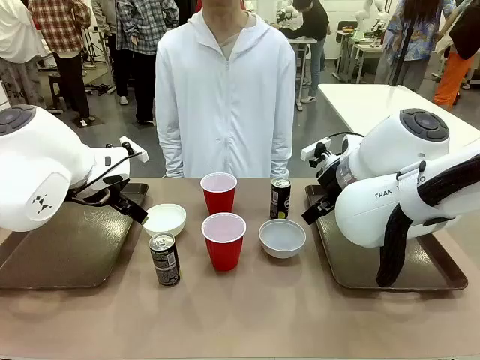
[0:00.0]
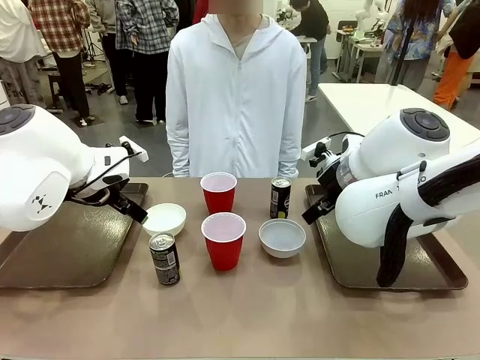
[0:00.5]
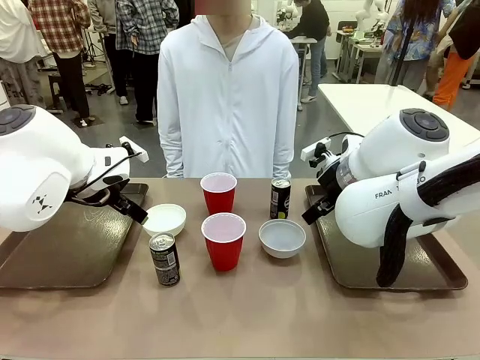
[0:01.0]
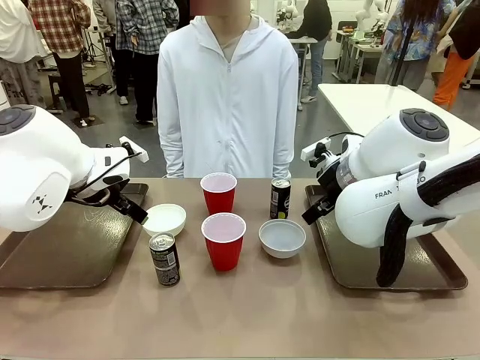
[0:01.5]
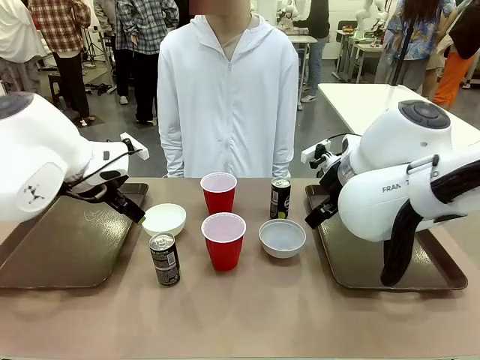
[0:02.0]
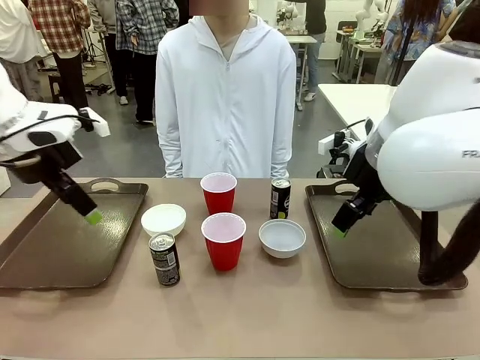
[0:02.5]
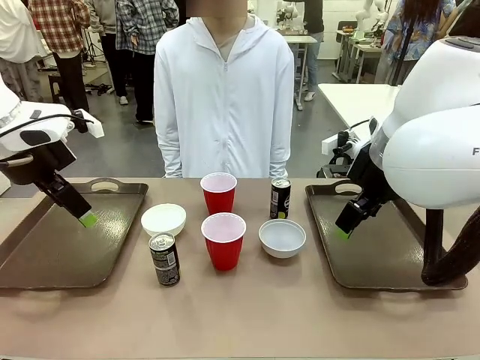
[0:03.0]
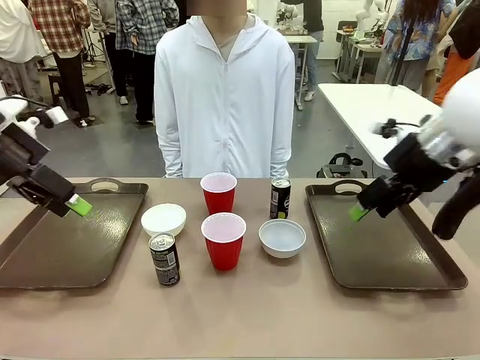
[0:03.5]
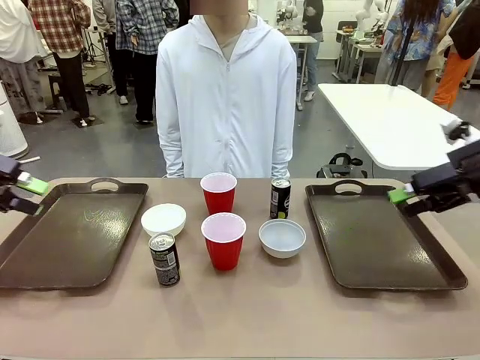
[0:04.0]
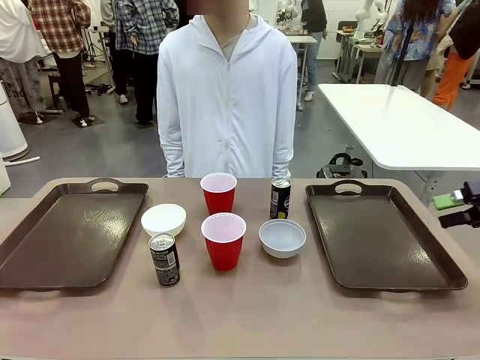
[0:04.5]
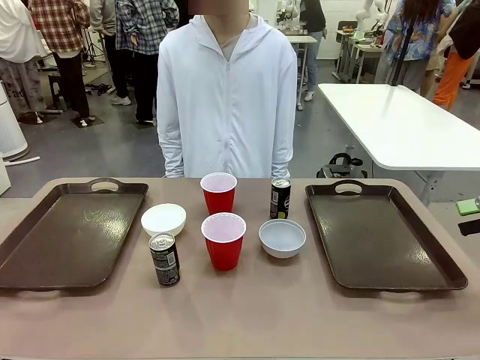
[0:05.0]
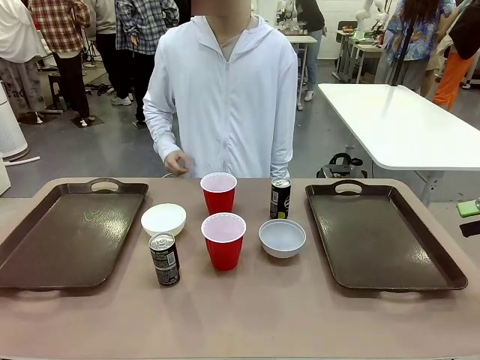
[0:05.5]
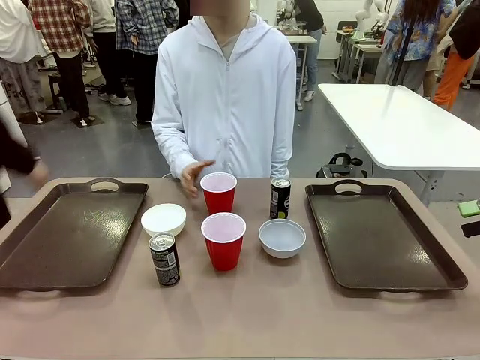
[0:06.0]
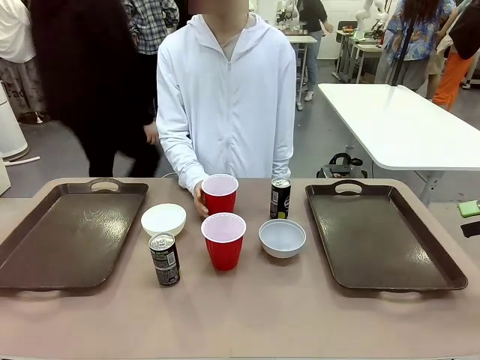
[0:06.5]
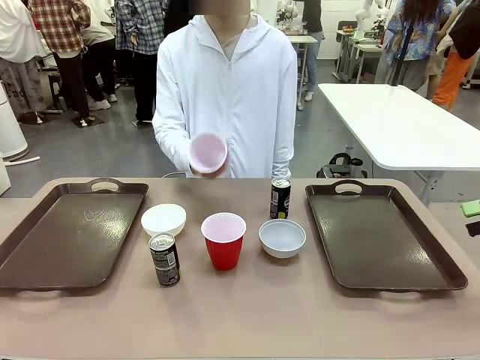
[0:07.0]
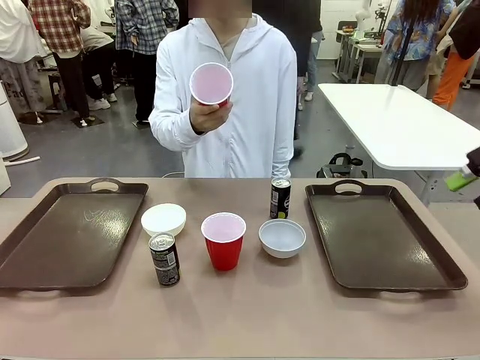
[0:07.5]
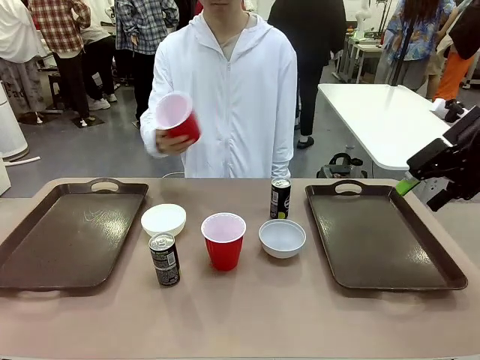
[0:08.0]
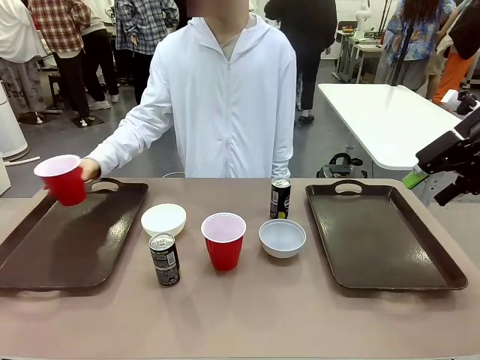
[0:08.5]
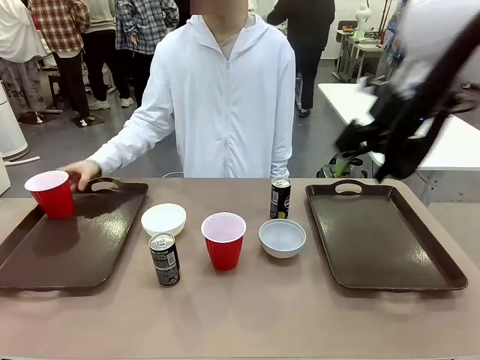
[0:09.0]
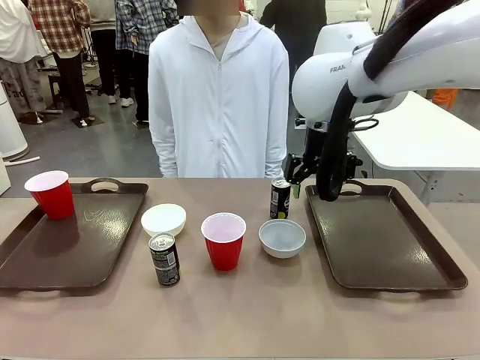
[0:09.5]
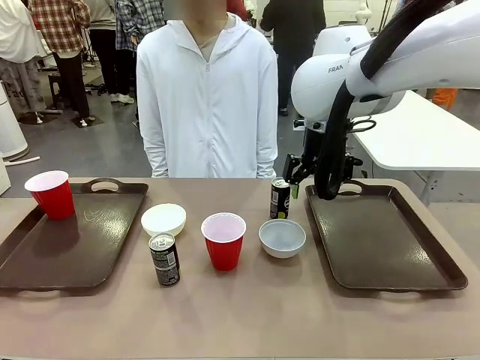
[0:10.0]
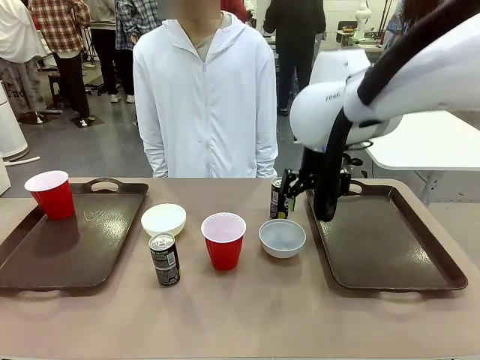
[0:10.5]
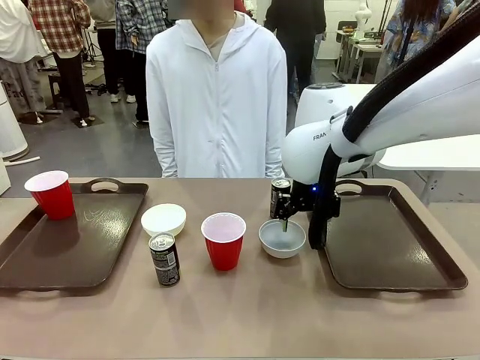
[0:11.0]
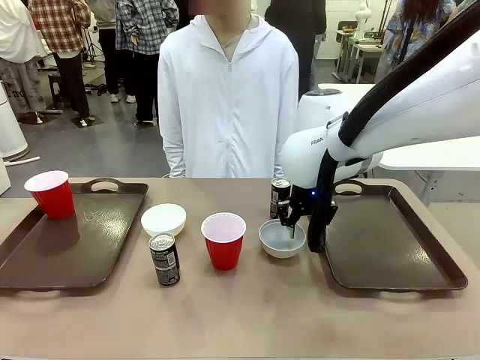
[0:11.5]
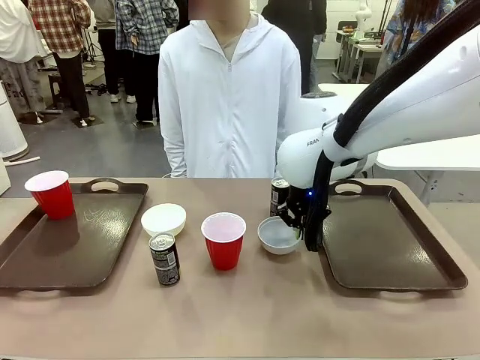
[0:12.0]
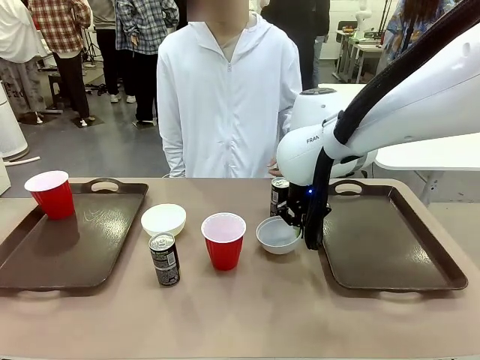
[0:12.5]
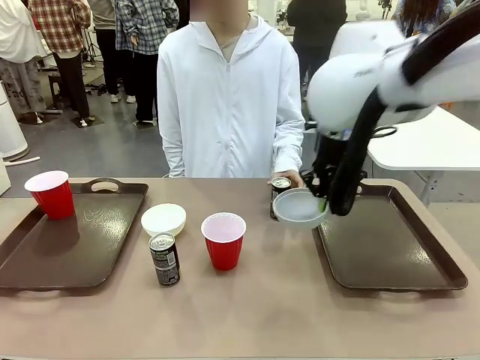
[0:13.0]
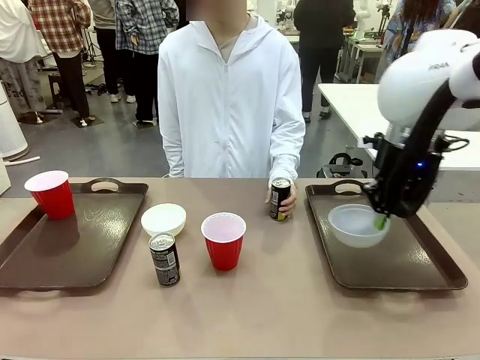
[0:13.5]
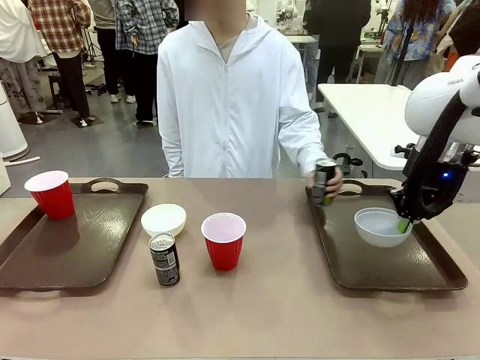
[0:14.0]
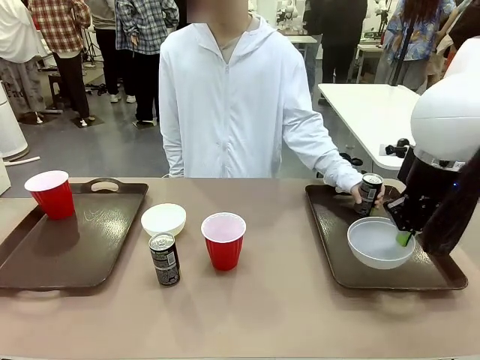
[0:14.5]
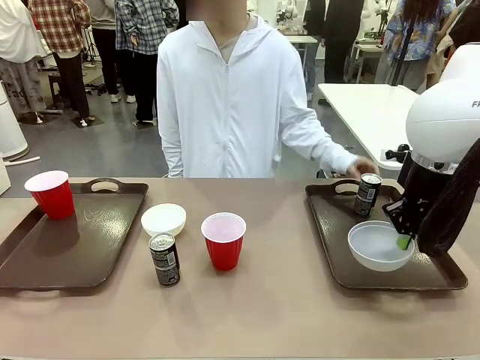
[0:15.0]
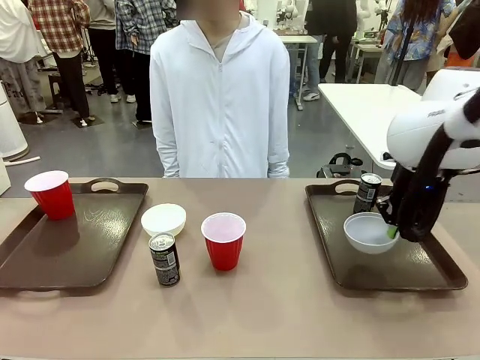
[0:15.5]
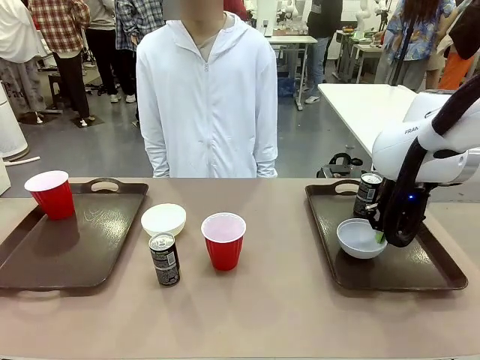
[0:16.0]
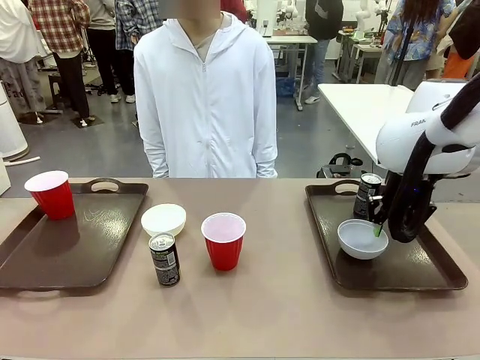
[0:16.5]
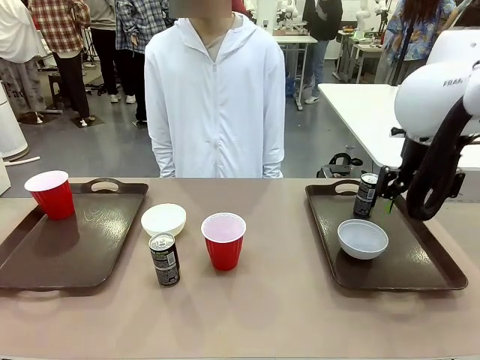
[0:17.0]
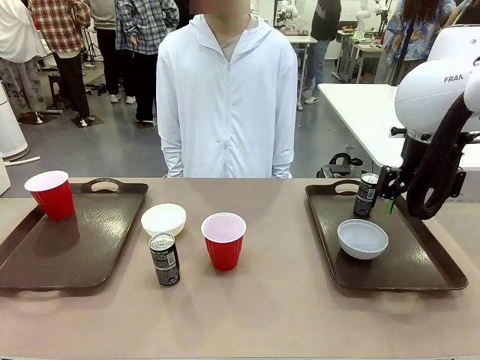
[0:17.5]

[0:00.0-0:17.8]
Task: Prepare tableware on both trays.
Robot: Pick up a Picnic Bowl from the table and place it on a Handle tray.
Person: Pick up a can or cup and place it on the tray.

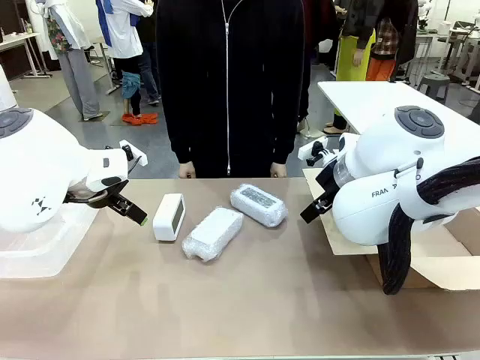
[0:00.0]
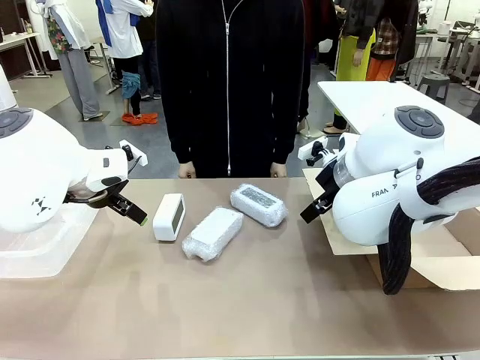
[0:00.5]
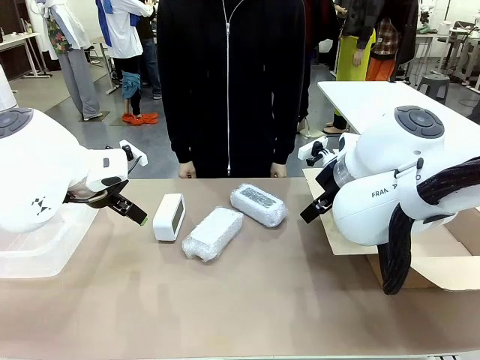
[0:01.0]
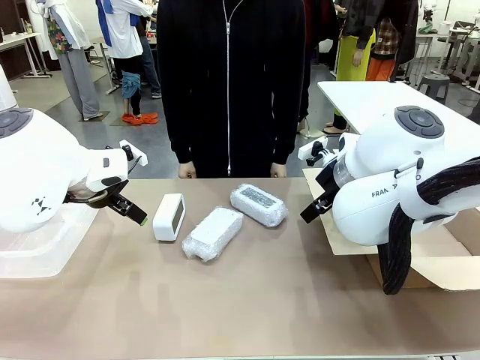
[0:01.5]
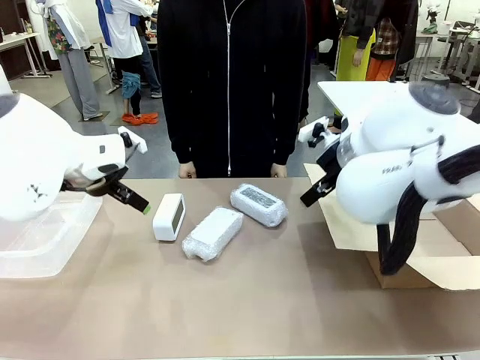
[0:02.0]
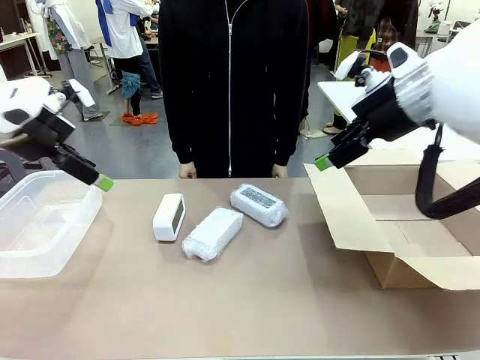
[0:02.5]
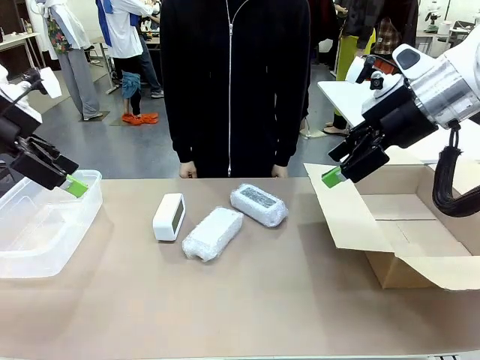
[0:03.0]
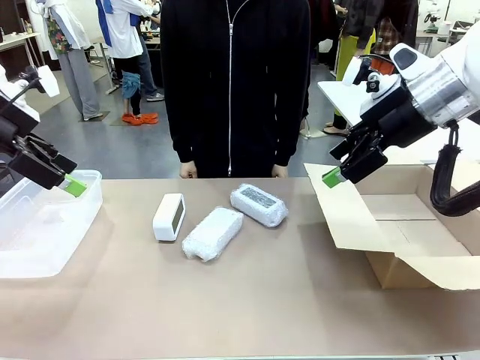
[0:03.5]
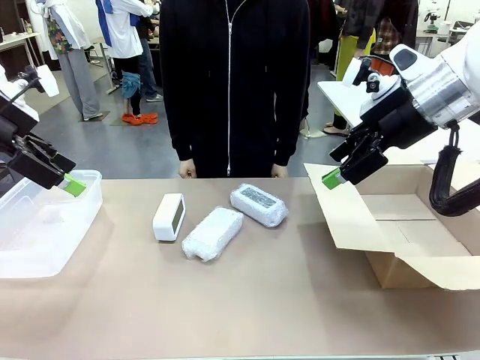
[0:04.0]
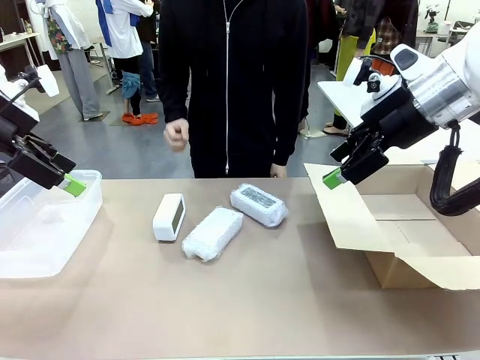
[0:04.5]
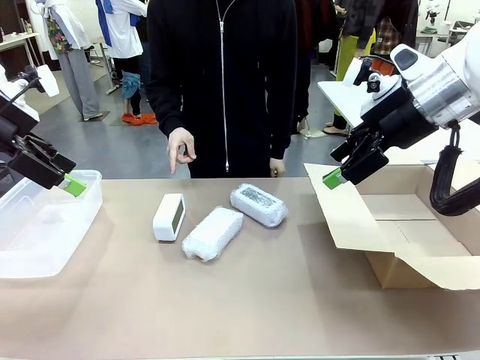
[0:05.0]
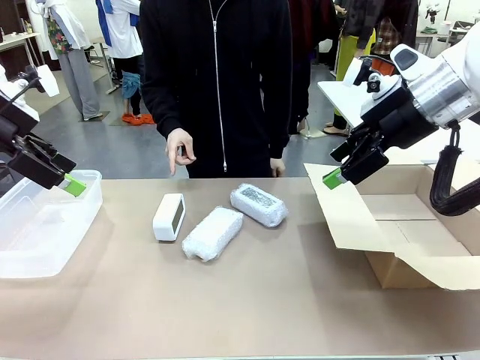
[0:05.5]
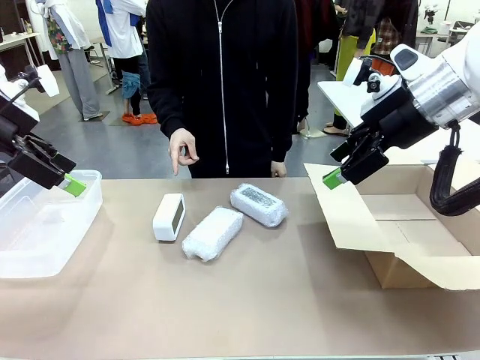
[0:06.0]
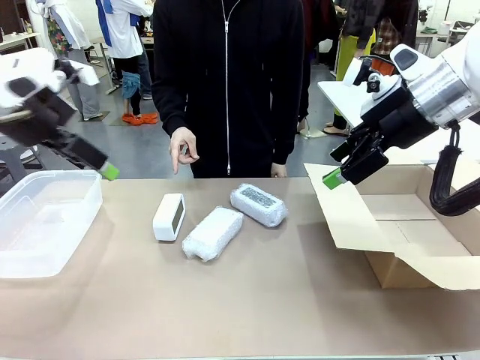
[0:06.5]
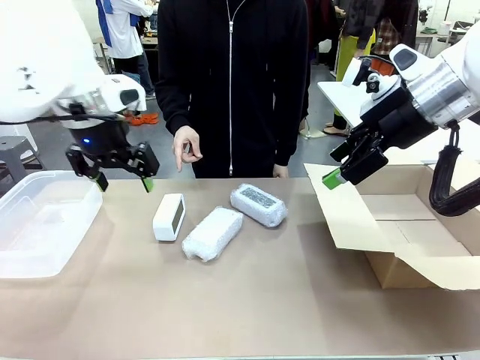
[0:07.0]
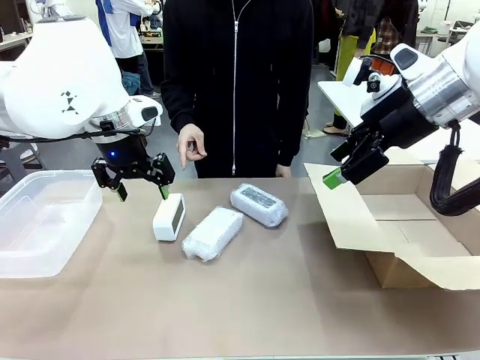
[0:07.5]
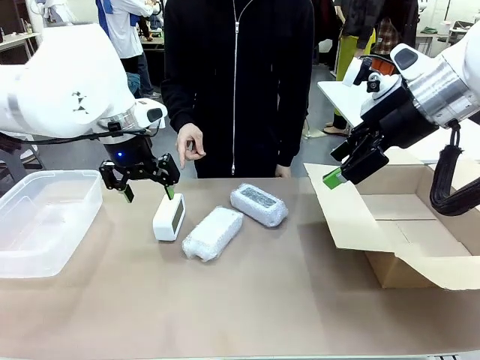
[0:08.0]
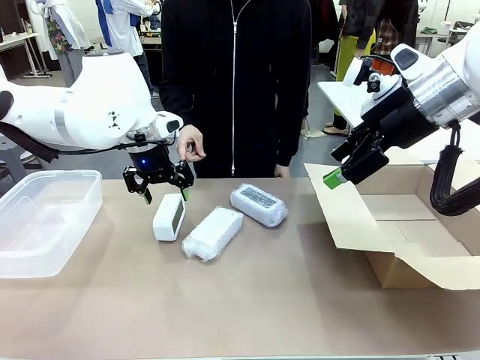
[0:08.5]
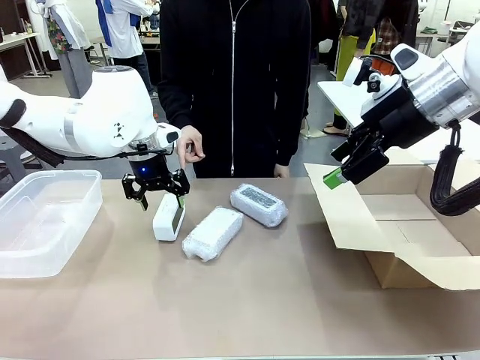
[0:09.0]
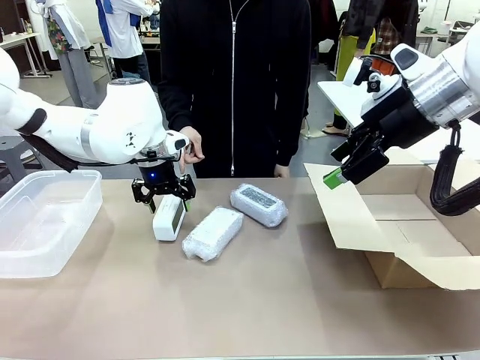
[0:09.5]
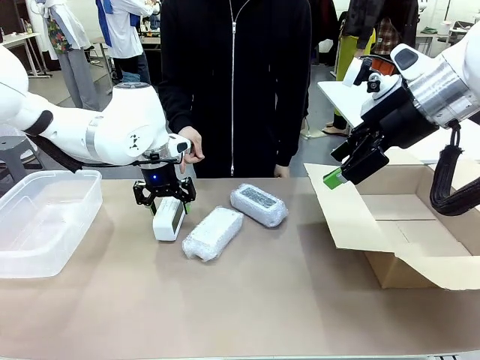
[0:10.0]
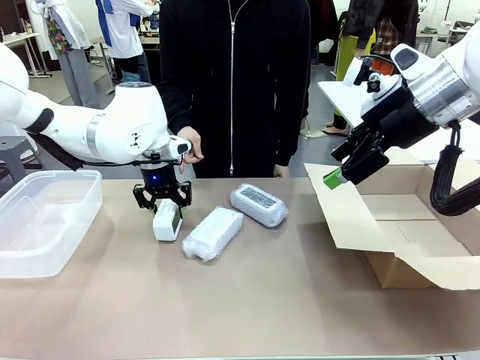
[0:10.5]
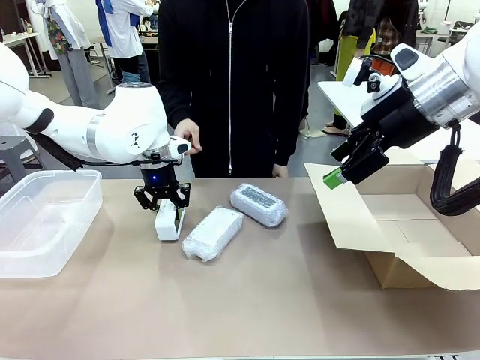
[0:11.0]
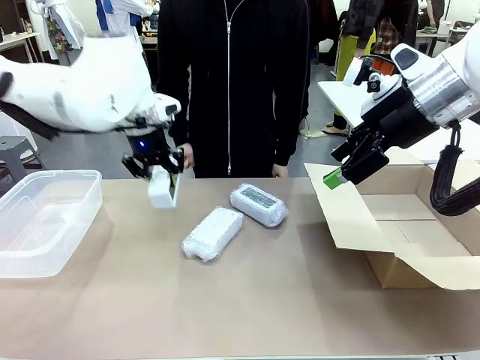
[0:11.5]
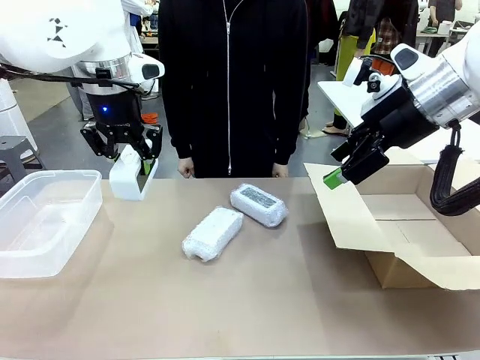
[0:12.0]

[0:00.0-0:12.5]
Task: Separate and place wrapped and unwrapped clocks.
Robot: Pick up the Digital clock indicated by the person.
